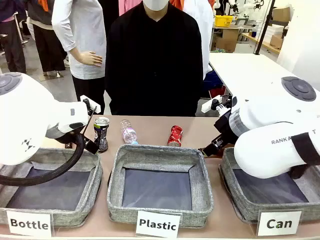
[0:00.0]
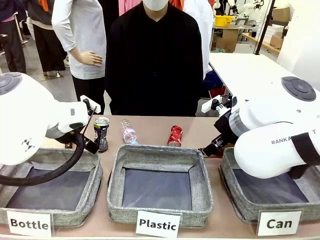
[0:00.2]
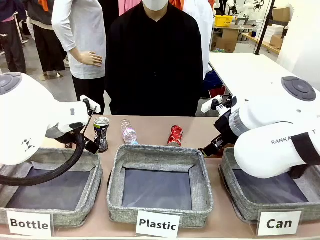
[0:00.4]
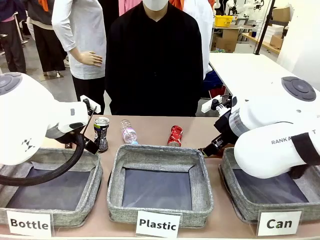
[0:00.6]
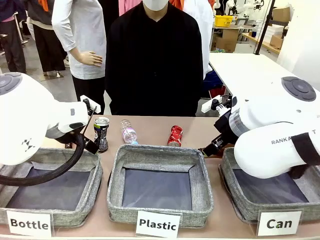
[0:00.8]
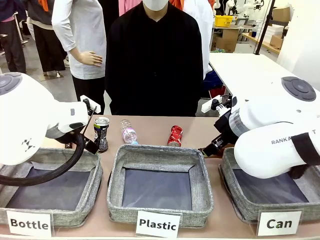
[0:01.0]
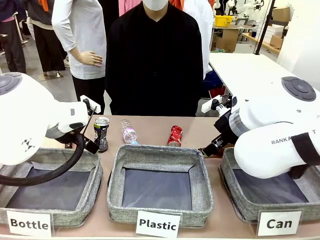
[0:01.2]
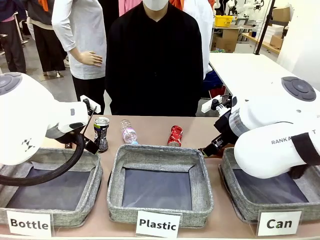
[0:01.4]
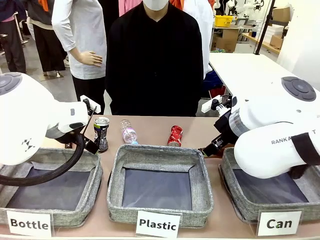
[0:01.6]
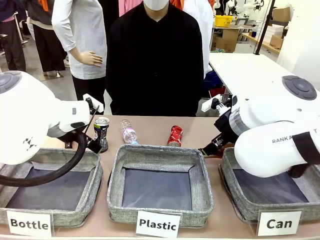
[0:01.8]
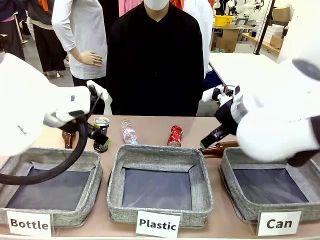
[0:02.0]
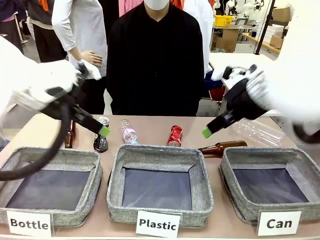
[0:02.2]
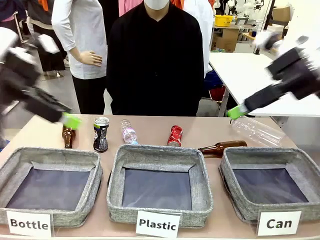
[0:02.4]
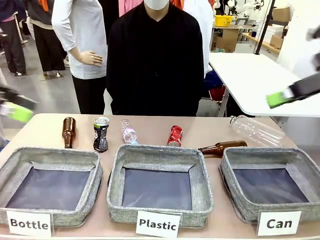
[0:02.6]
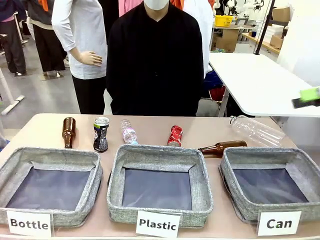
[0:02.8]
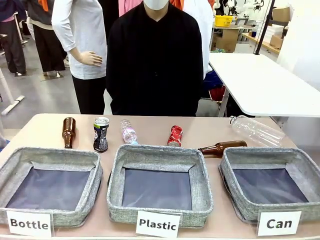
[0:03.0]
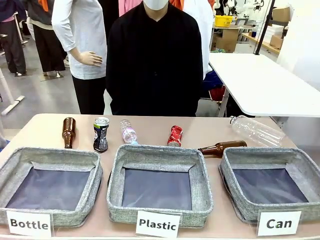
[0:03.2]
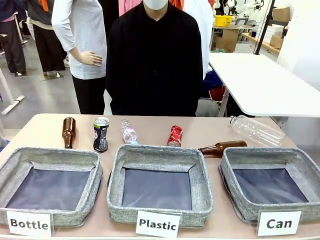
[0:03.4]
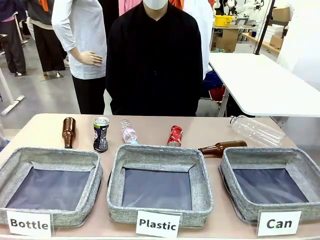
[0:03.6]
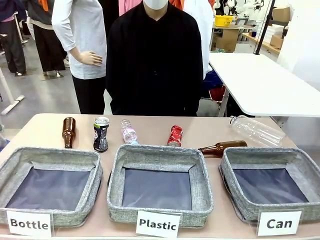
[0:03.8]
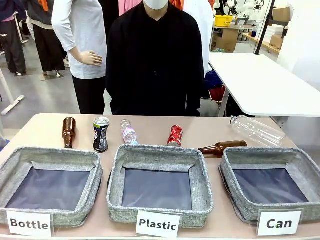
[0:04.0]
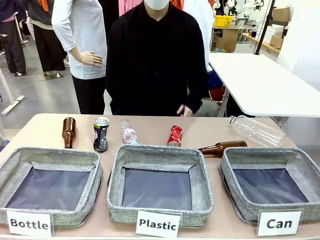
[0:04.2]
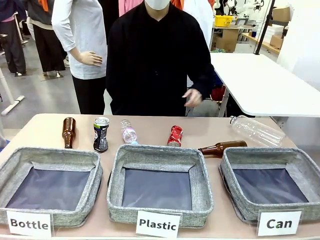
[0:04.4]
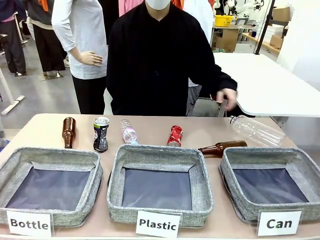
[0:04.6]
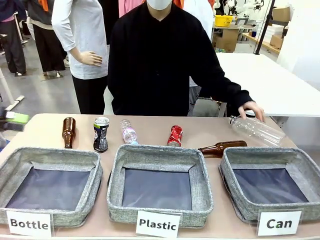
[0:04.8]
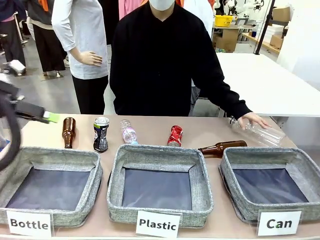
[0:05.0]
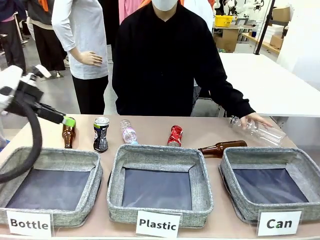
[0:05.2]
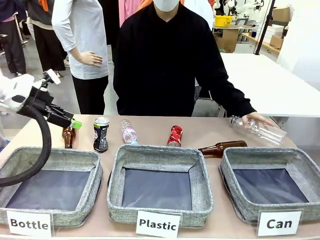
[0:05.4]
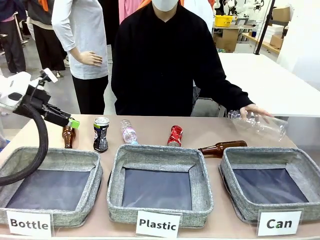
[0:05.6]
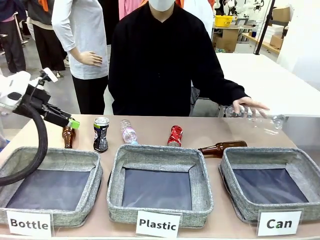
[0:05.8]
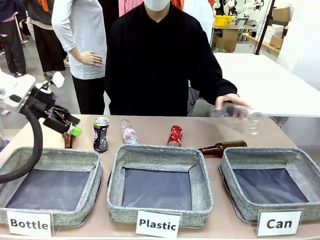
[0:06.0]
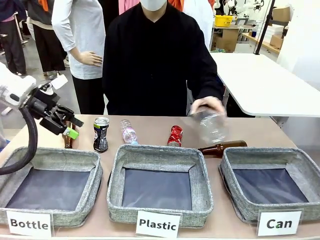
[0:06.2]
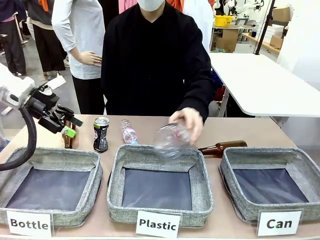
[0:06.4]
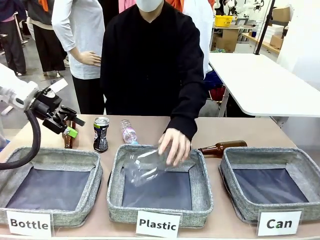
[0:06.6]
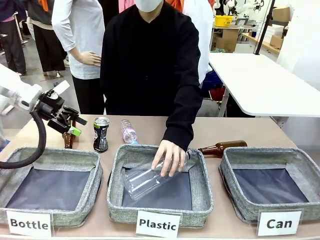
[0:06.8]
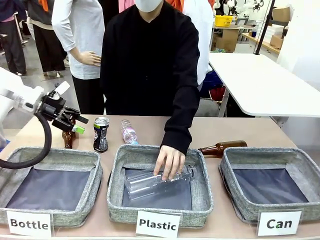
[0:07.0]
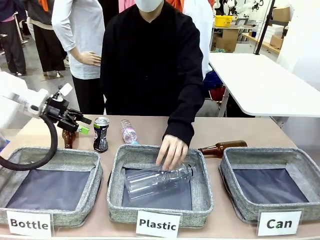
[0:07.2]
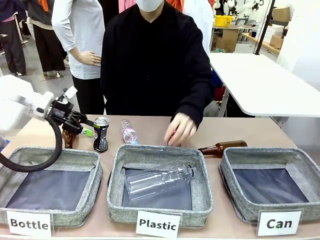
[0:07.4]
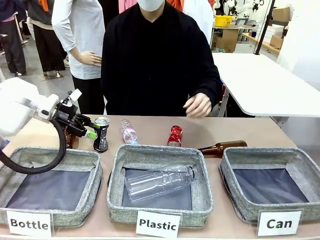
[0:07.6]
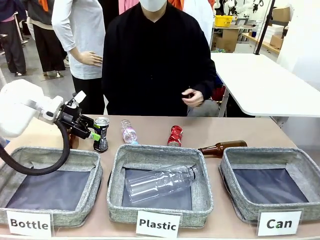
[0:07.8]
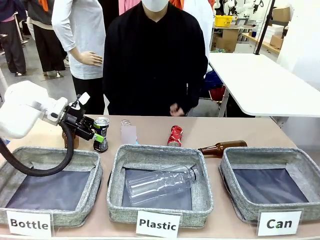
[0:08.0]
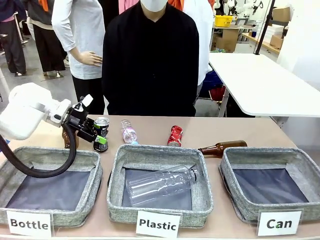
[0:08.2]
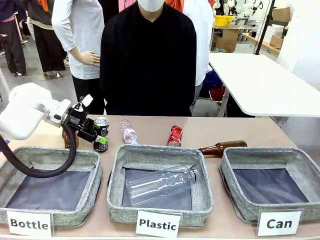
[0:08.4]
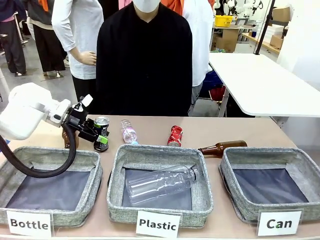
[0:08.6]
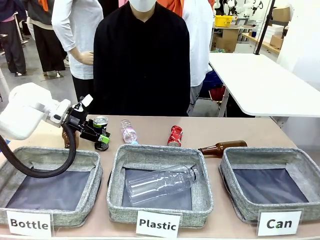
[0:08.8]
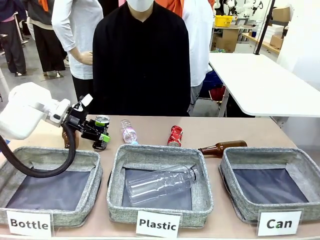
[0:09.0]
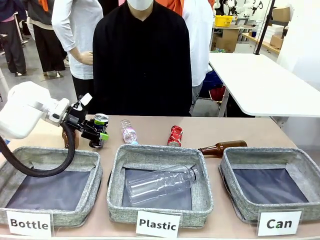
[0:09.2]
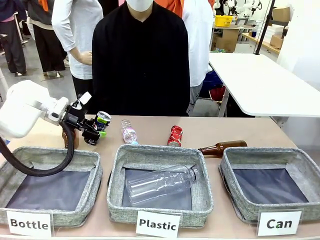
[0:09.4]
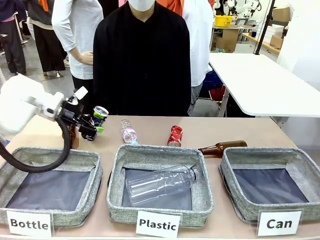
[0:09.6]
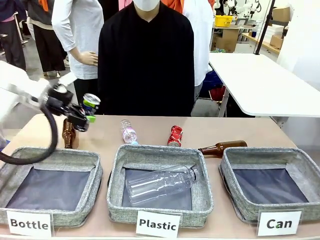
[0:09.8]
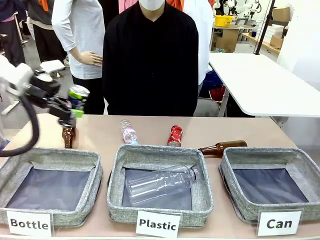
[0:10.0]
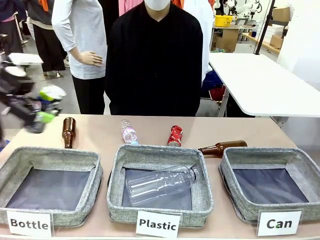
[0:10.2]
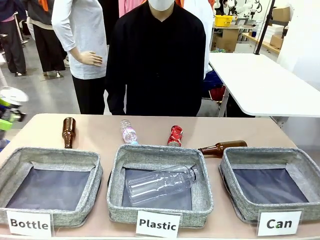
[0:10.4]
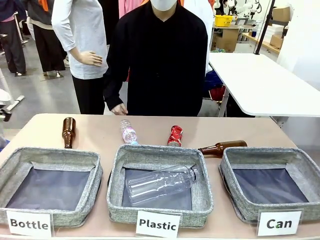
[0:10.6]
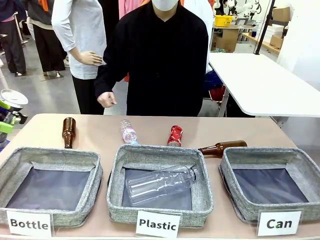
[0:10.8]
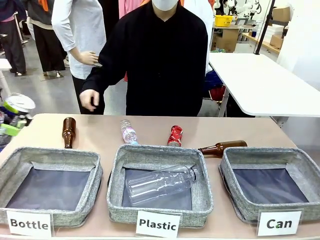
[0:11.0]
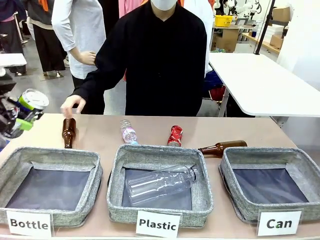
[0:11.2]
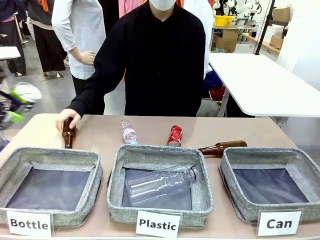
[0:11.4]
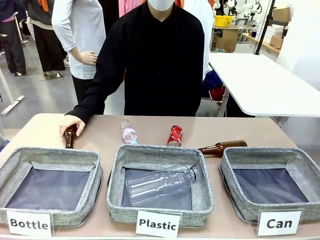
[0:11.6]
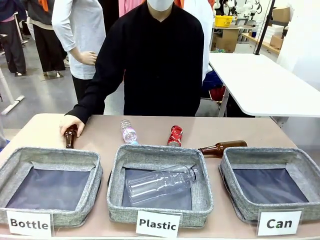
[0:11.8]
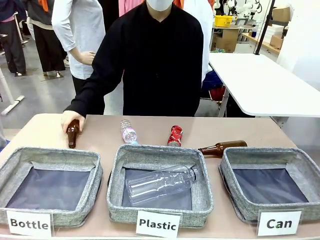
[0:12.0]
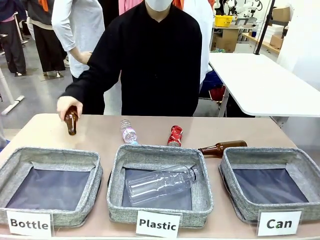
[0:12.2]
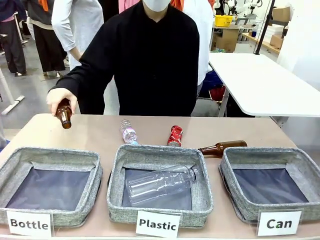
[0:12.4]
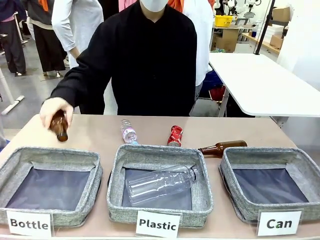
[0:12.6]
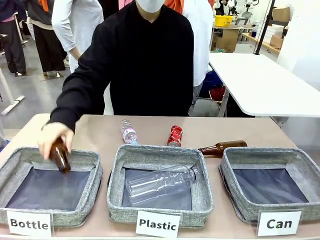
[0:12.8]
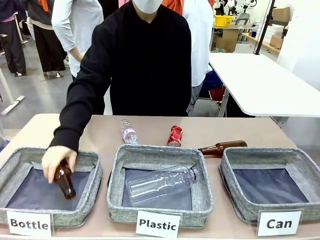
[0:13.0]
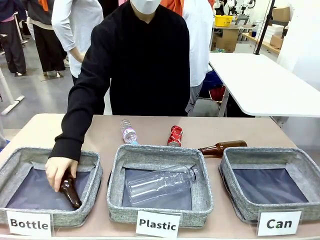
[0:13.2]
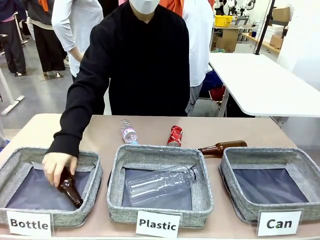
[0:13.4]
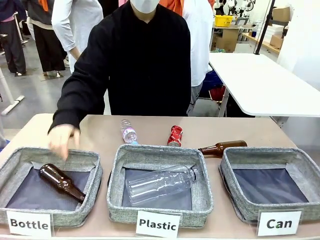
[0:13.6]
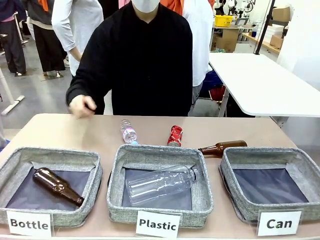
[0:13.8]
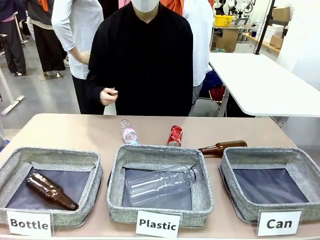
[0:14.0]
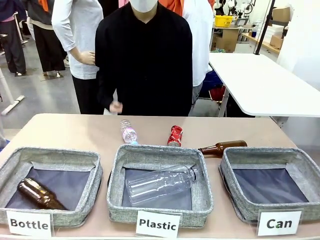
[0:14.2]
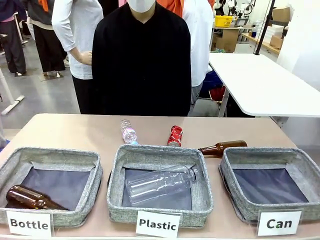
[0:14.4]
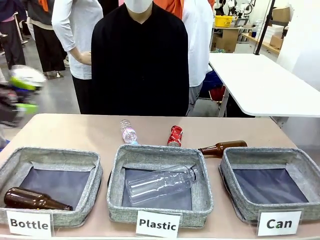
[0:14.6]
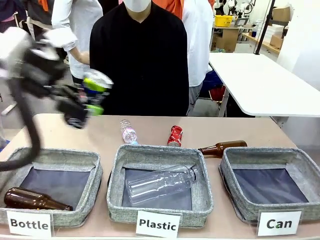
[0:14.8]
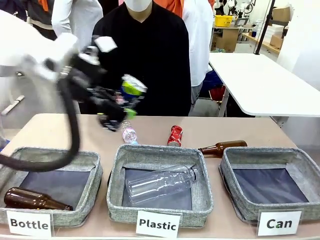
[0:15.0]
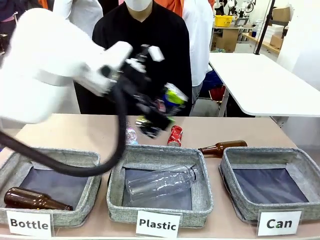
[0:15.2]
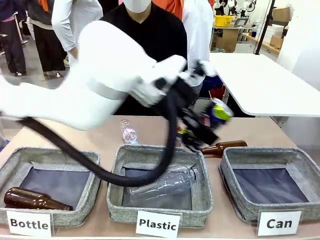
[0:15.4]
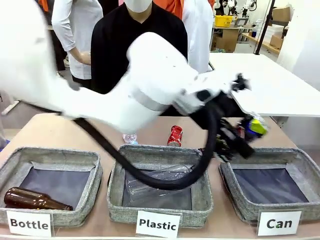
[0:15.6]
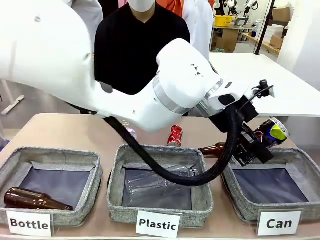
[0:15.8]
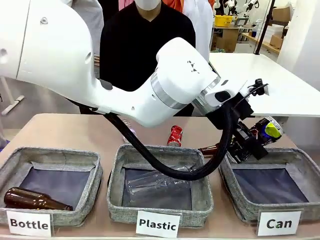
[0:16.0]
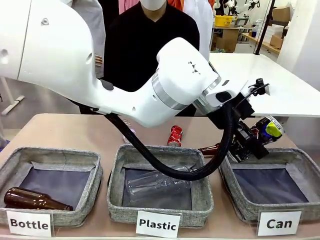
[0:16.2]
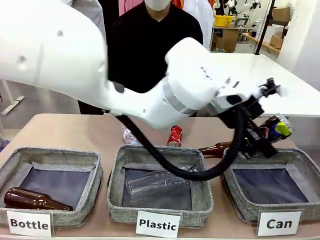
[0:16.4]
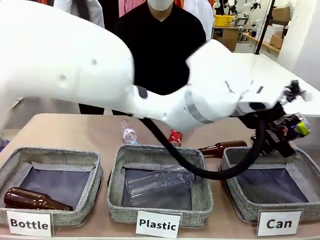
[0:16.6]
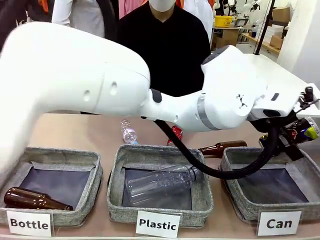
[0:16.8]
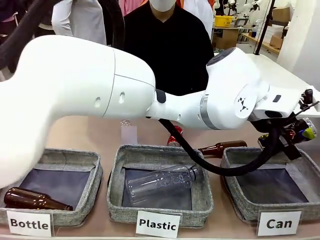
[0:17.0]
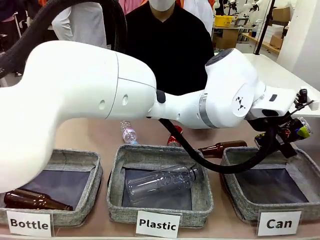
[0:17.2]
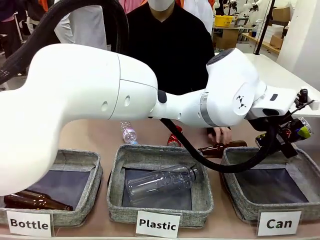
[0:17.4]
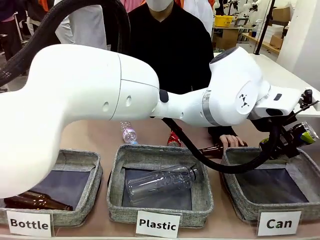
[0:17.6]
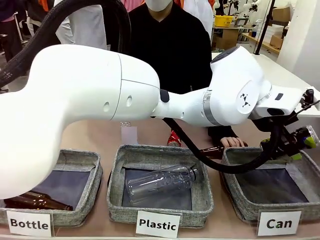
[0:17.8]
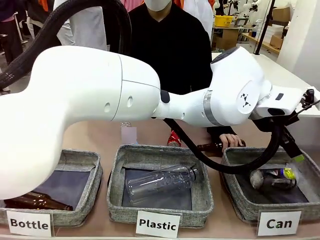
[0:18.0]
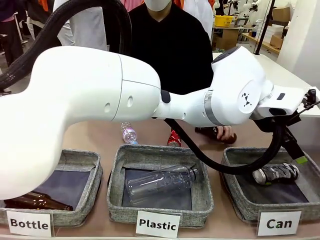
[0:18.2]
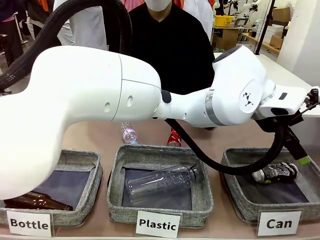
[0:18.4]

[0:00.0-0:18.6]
Task: Sort the can waste into the basket.
Robot: Pick up the can waste from the table and place it in the right Fabric basket.
